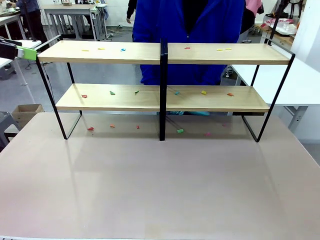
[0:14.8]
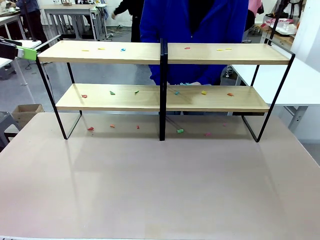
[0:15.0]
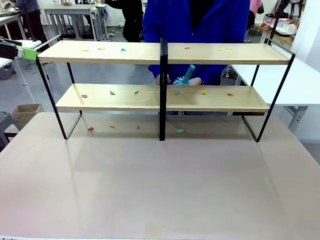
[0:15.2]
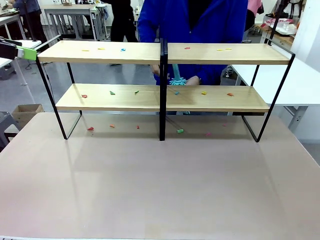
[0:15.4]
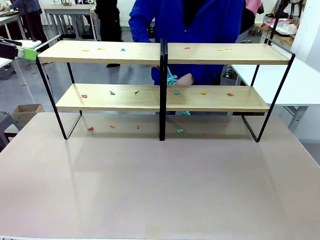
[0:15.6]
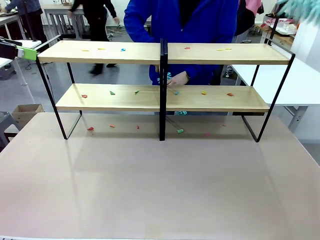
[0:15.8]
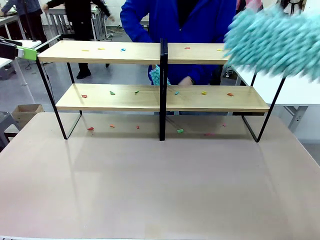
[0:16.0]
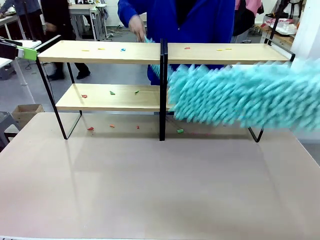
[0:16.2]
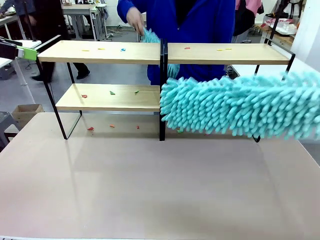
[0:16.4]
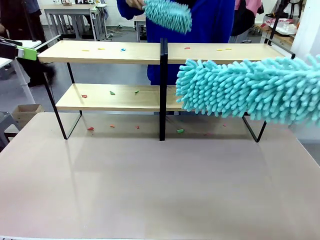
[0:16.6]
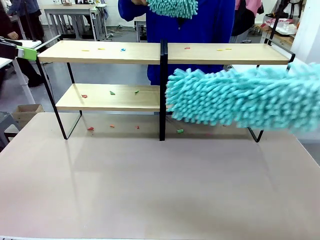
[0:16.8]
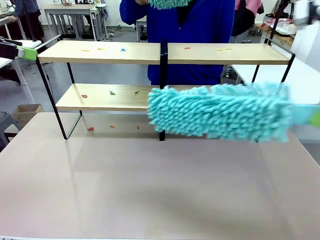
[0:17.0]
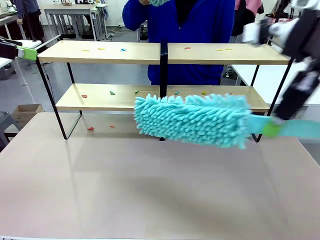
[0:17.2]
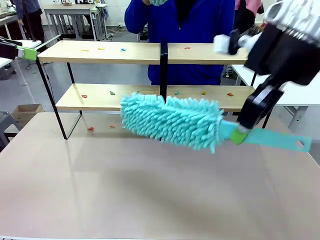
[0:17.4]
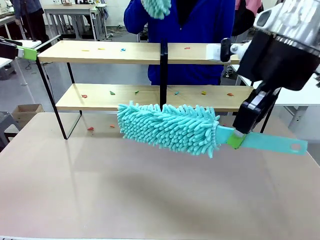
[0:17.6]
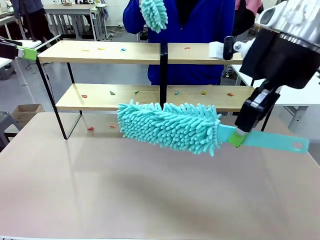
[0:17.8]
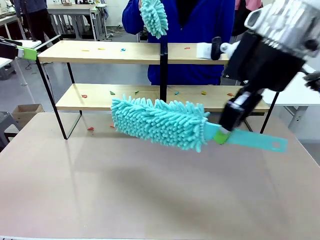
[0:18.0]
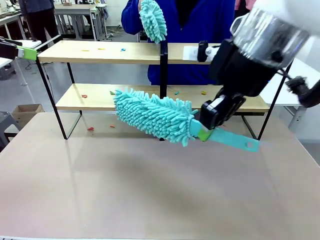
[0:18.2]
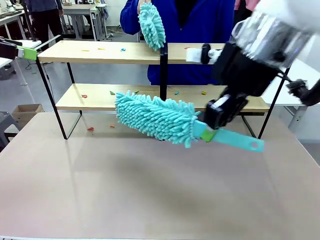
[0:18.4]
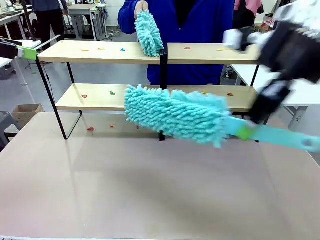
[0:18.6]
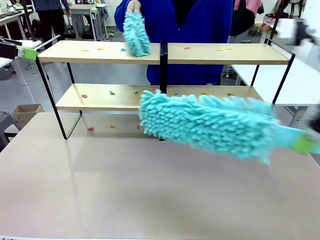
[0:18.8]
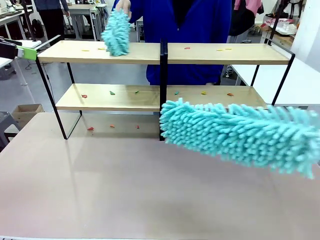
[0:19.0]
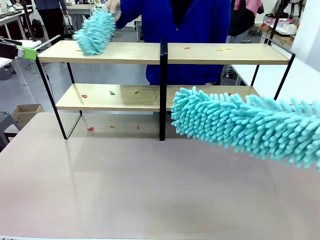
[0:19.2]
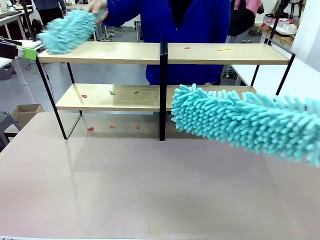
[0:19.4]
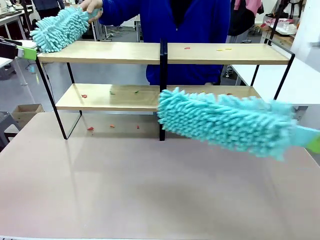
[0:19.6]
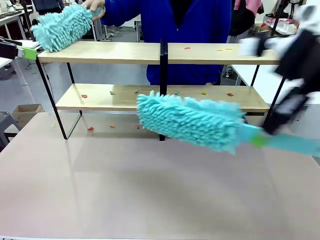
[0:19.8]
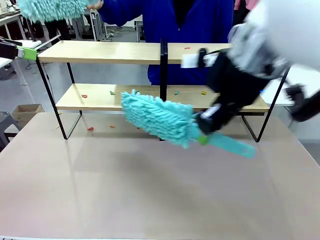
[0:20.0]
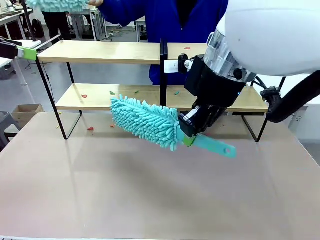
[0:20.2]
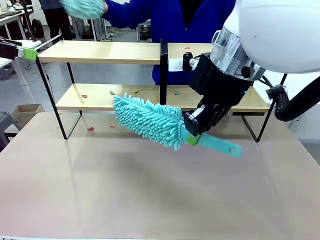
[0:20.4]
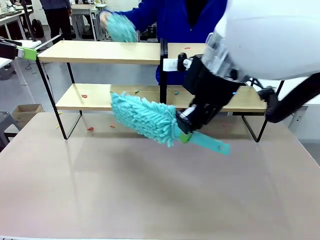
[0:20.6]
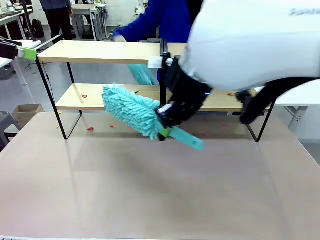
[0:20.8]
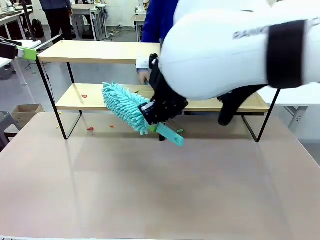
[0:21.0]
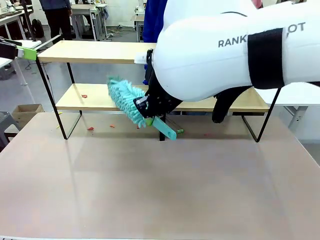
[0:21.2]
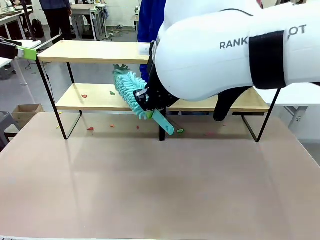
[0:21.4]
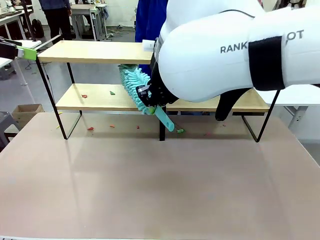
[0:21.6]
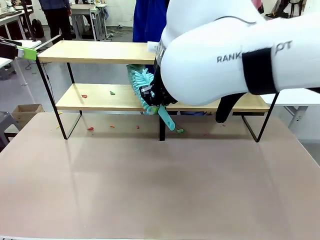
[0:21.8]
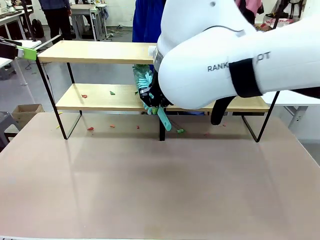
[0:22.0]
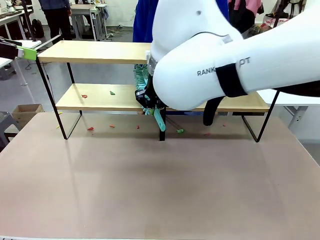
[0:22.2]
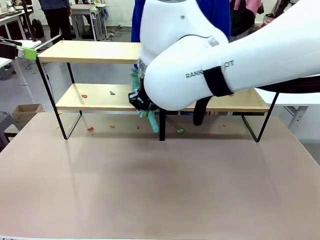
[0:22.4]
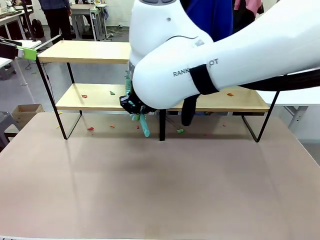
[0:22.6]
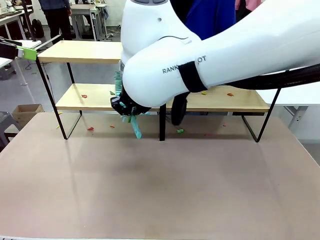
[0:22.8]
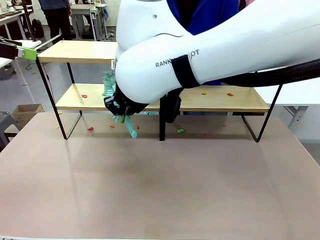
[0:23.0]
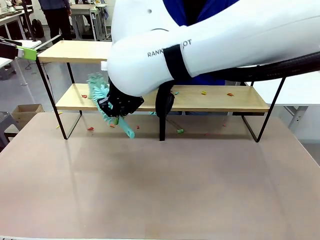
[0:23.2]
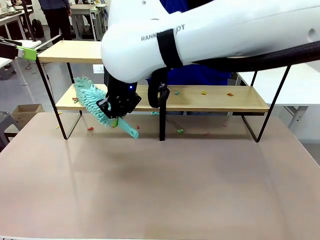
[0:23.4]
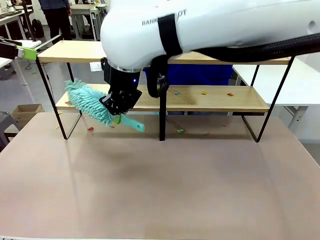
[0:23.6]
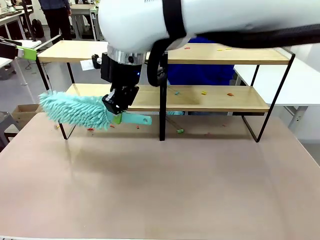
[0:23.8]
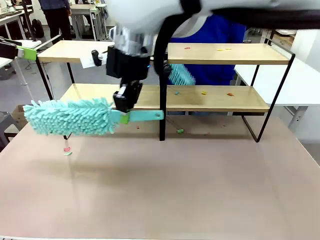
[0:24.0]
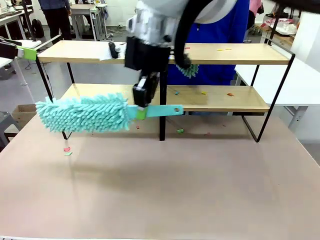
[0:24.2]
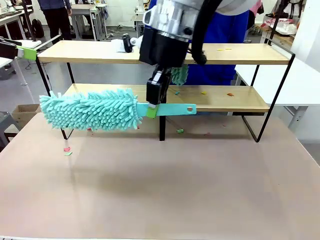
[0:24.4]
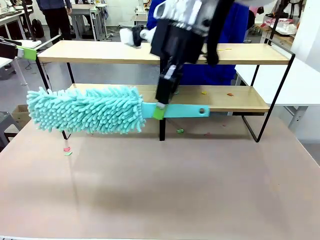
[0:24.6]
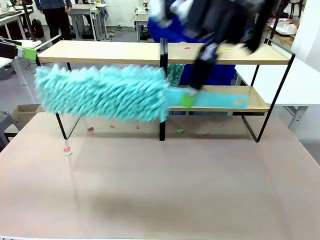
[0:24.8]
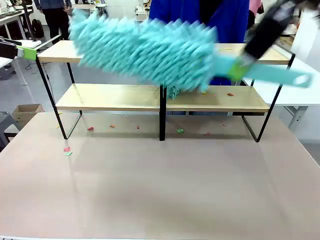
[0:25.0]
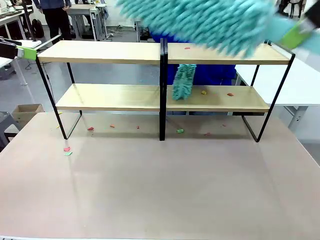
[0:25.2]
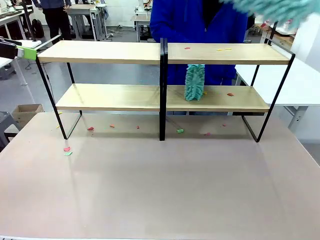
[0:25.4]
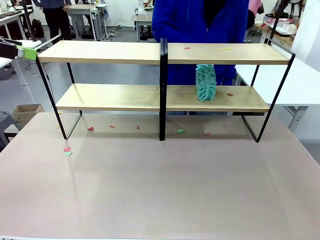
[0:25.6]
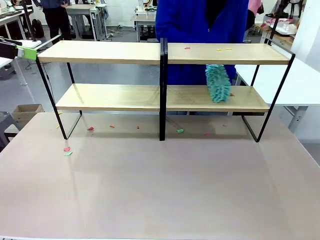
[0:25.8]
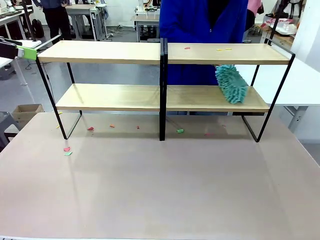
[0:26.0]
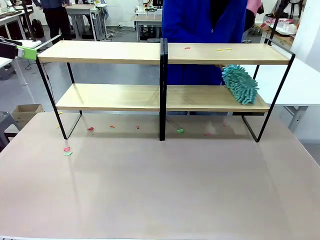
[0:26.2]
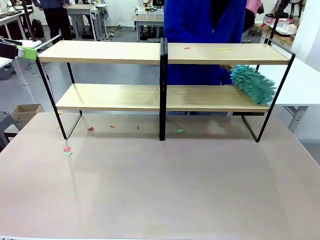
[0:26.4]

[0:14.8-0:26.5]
Task: Clean the shelves.
Robot: Clean a randomly selected level of the Shelf with the Duster.

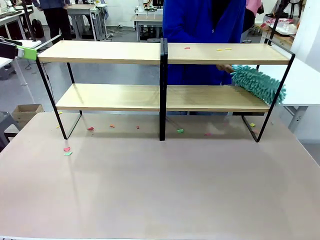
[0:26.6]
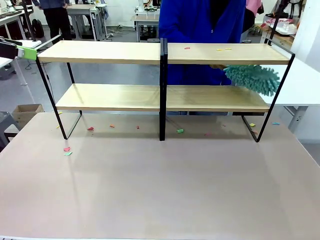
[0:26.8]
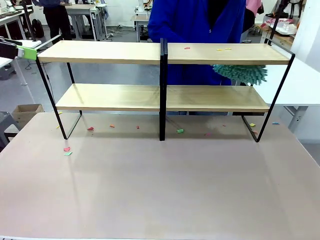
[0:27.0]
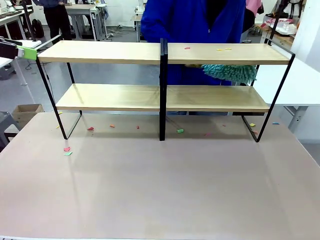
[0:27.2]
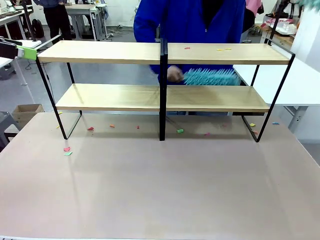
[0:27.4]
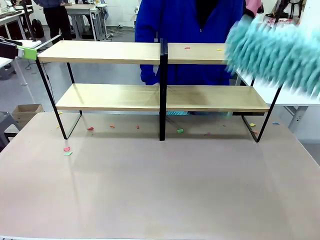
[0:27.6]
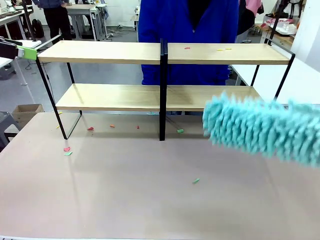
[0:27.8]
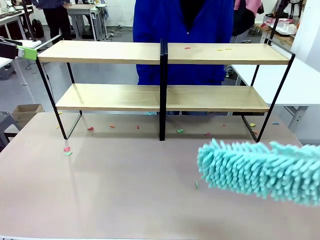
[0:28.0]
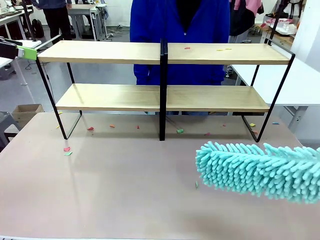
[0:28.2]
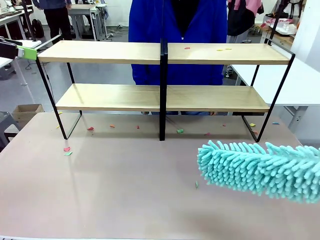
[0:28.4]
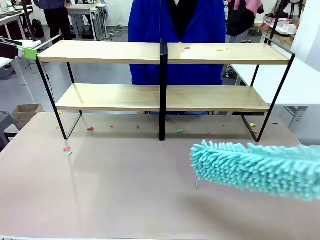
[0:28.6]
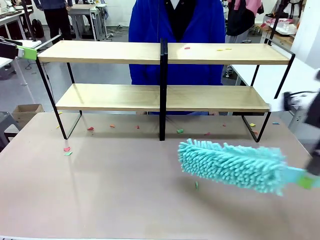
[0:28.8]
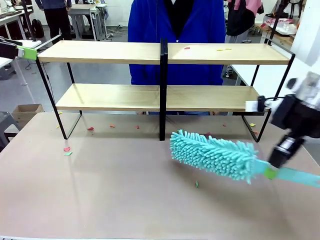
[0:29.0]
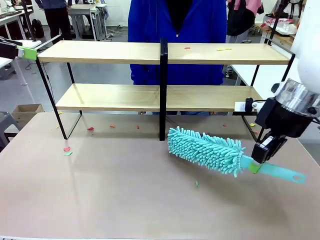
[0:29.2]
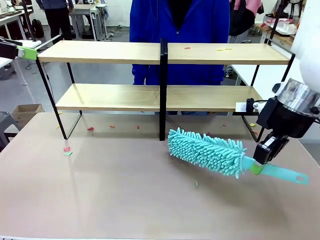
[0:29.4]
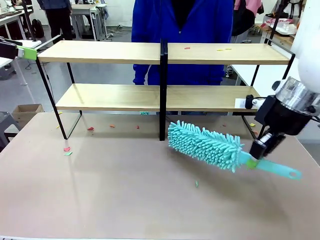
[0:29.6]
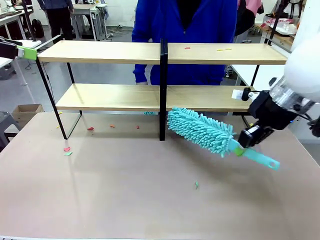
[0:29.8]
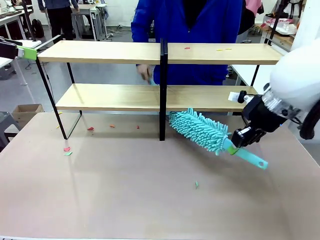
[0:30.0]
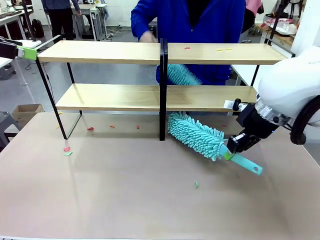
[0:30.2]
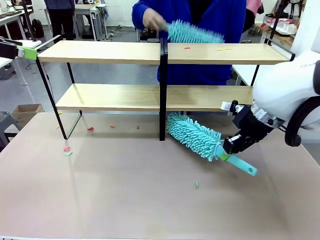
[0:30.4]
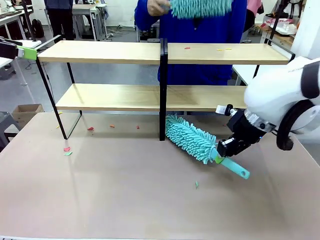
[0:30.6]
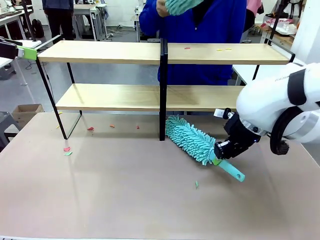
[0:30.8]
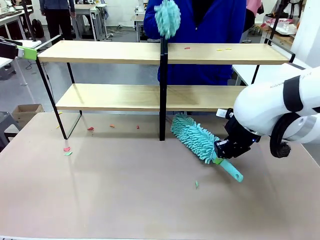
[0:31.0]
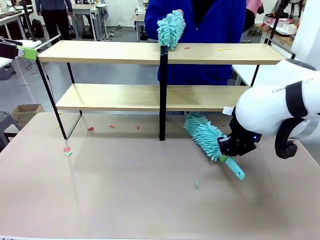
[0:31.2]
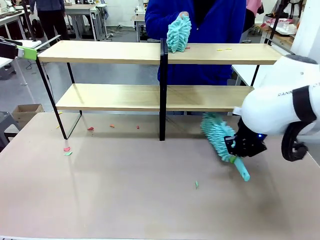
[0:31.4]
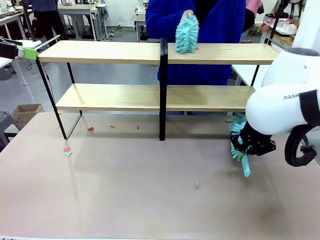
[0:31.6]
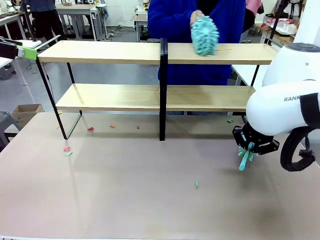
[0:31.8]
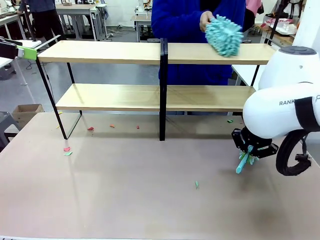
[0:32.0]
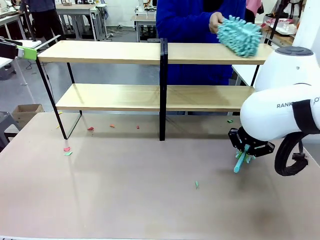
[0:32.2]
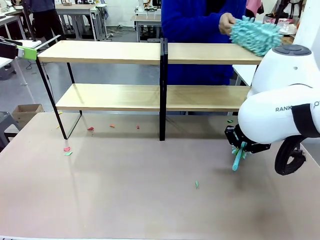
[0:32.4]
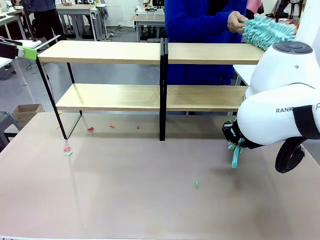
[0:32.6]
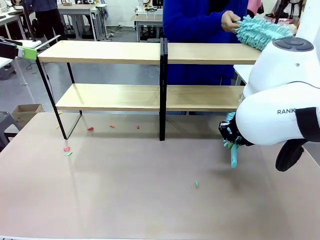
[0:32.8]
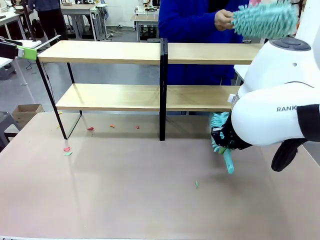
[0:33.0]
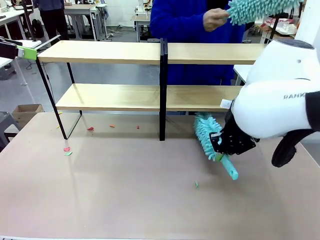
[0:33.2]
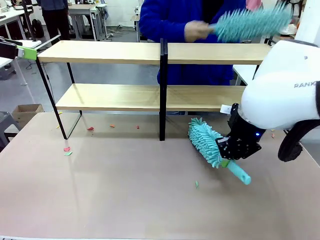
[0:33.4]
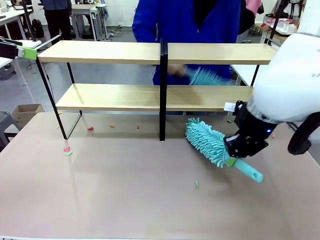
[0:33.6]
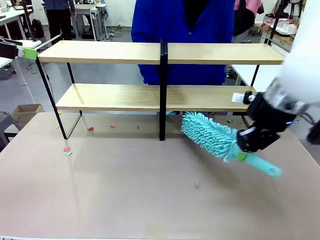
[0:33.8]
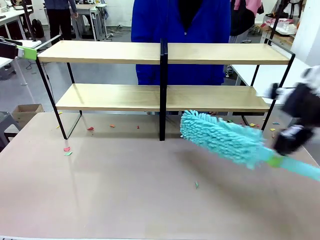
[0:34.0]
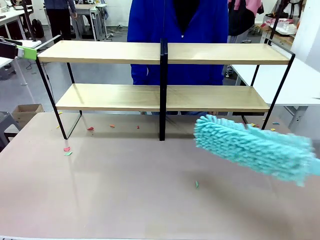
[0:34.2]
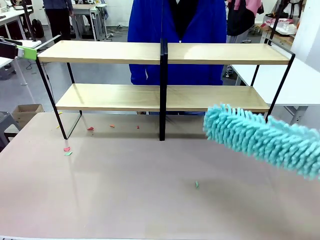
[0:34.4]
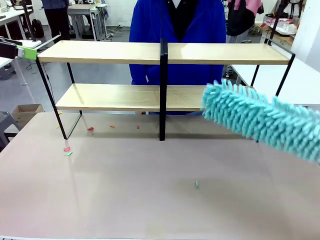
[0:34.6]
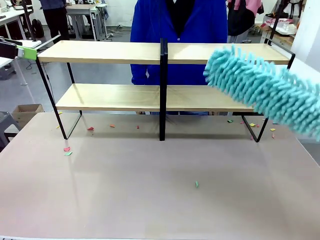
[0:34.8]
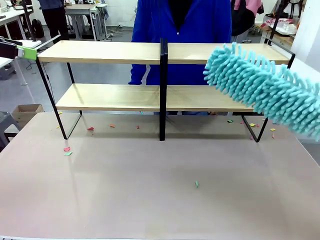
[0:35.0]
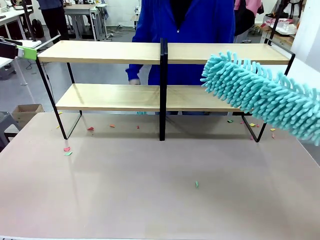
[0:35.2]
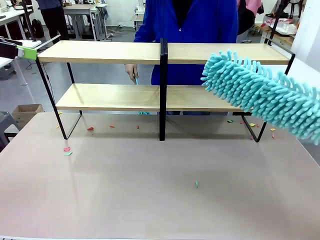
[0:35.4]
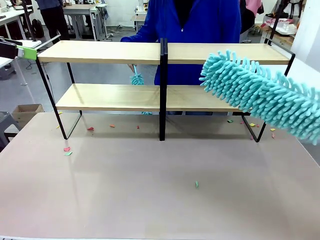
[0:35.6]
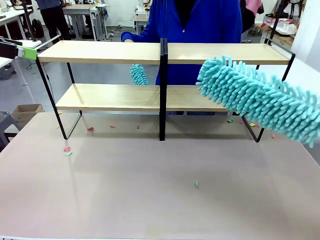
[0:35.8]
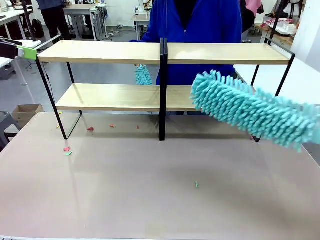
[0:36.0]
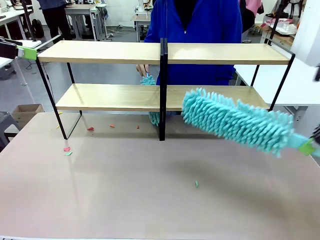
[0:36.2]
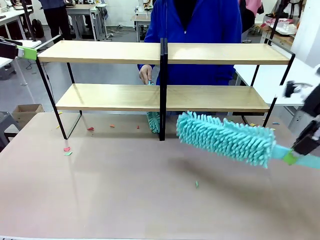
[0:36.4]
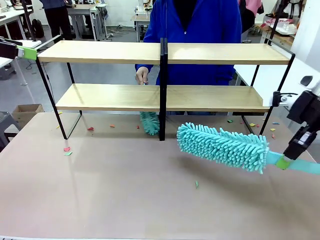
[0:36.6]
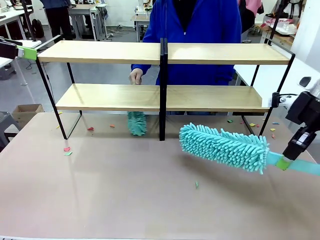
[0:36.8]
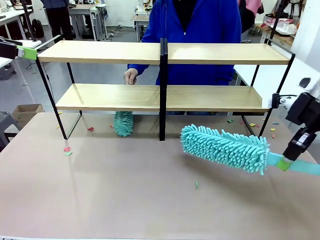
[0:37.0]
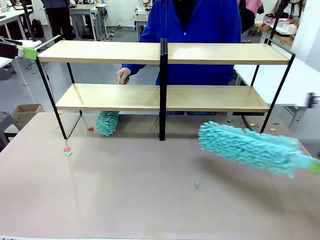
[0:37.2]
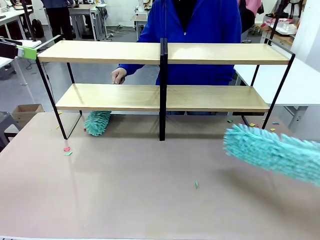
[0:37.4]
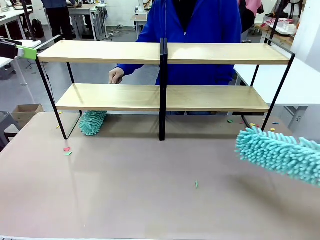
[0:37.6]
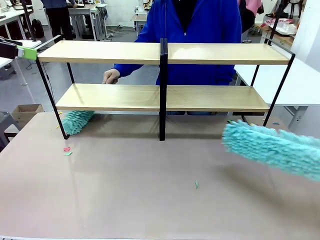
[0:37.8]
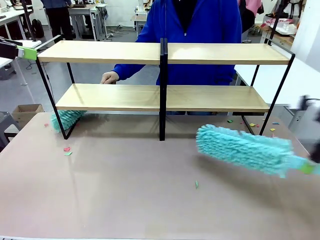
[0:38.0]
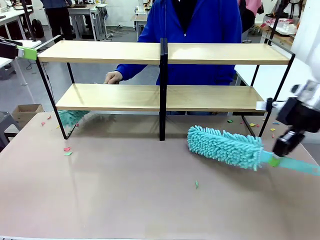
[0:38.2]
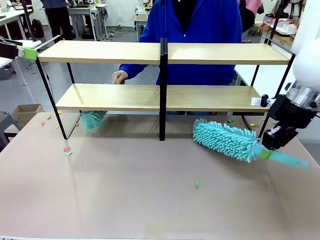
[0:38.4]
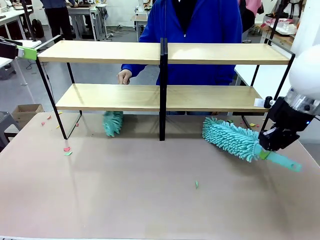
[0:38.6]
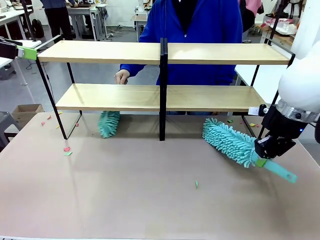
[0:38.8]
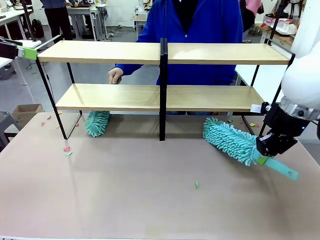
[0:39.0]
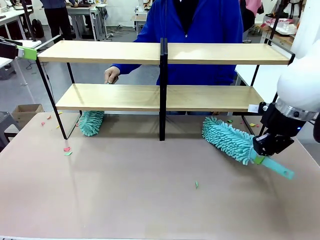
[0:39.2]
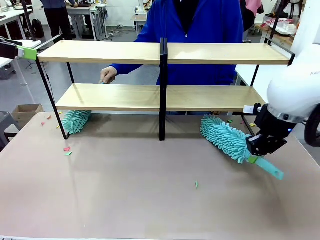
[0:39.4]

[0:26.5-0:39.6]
Robot: Clean another randomly selected level of the Shelf with the Duster.
